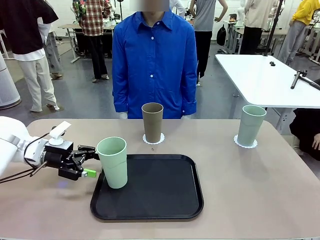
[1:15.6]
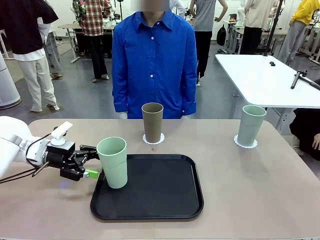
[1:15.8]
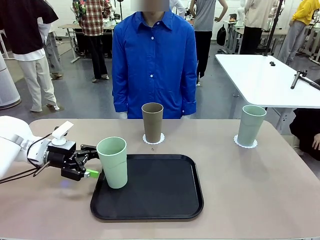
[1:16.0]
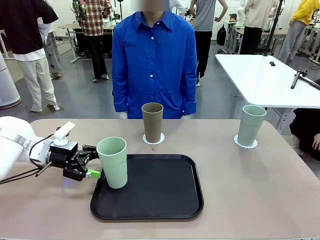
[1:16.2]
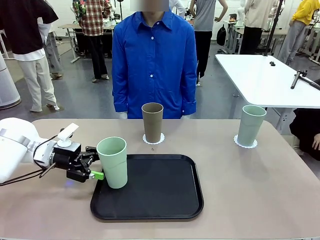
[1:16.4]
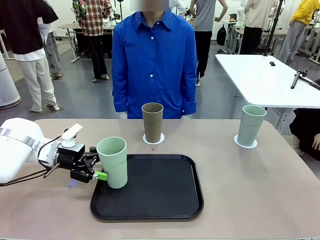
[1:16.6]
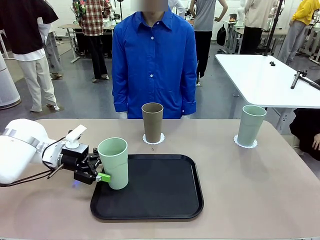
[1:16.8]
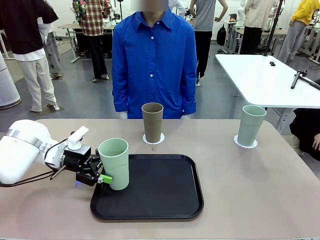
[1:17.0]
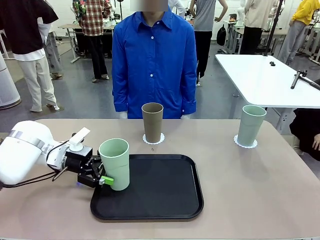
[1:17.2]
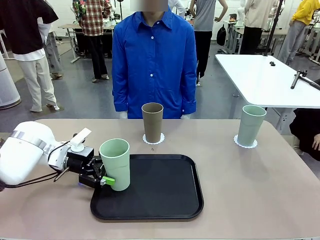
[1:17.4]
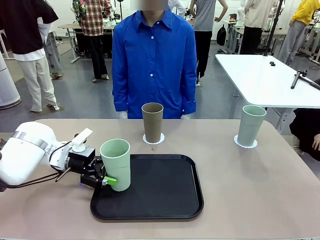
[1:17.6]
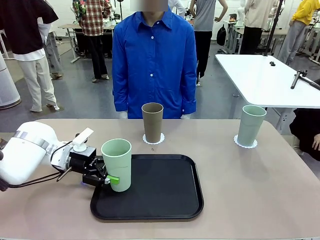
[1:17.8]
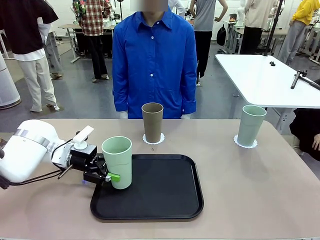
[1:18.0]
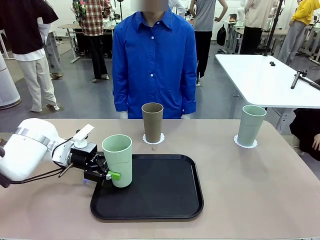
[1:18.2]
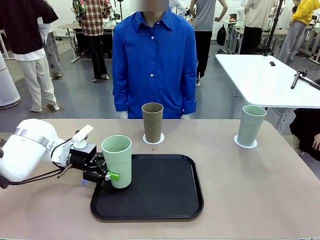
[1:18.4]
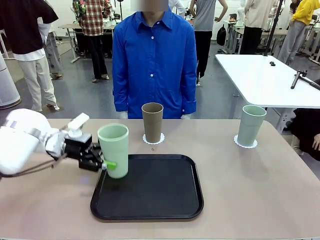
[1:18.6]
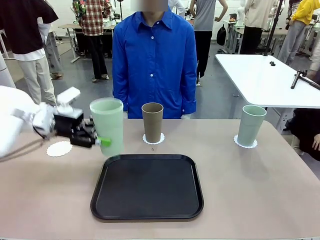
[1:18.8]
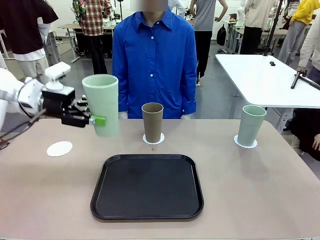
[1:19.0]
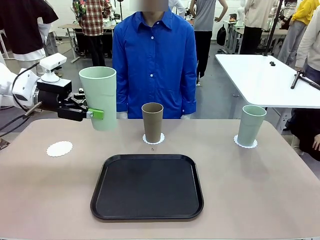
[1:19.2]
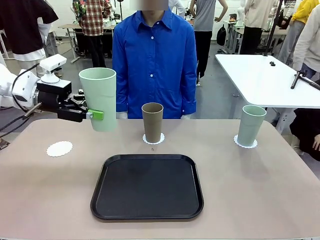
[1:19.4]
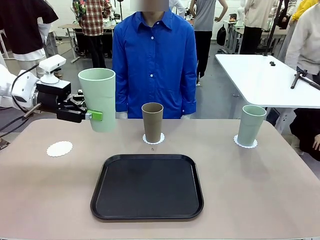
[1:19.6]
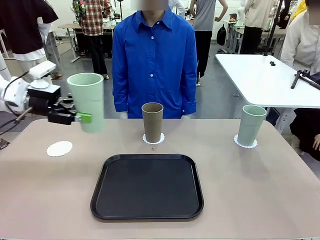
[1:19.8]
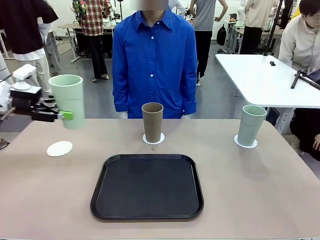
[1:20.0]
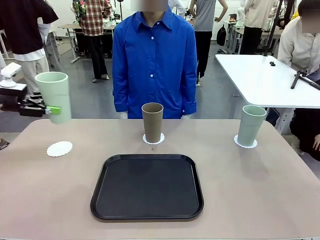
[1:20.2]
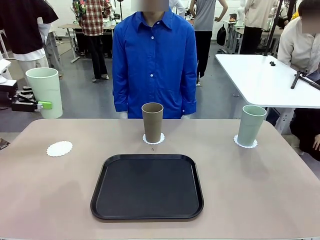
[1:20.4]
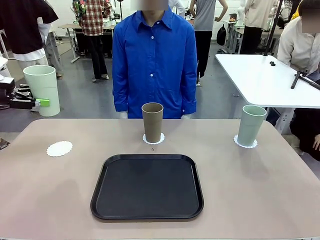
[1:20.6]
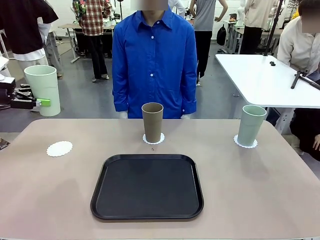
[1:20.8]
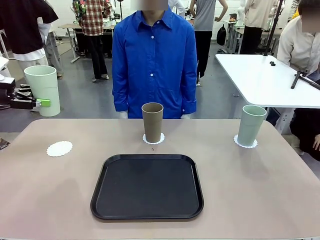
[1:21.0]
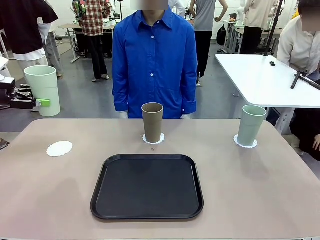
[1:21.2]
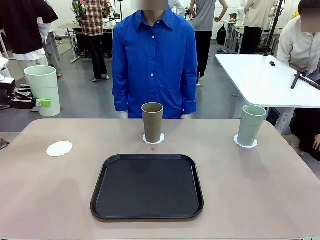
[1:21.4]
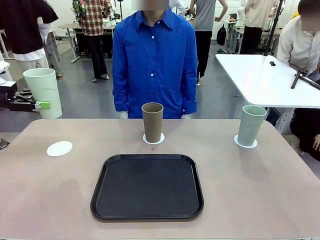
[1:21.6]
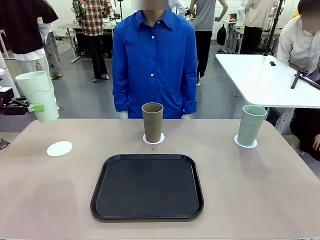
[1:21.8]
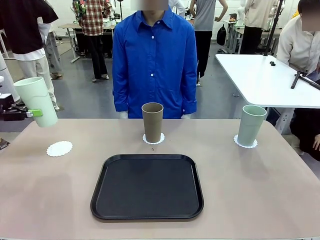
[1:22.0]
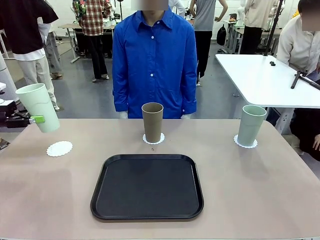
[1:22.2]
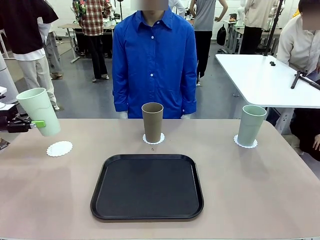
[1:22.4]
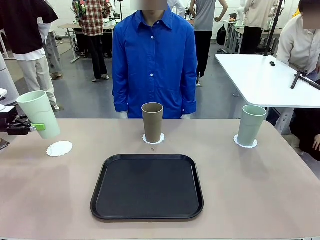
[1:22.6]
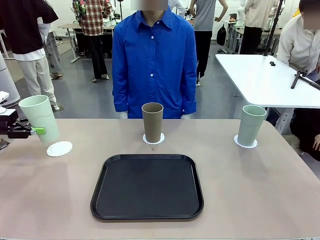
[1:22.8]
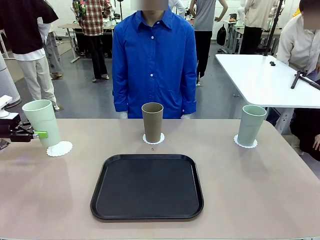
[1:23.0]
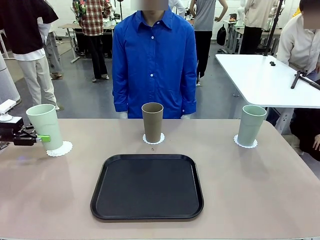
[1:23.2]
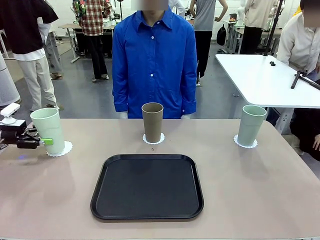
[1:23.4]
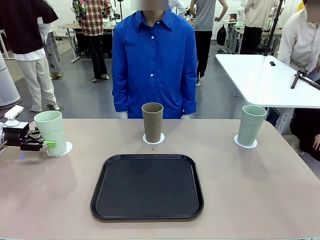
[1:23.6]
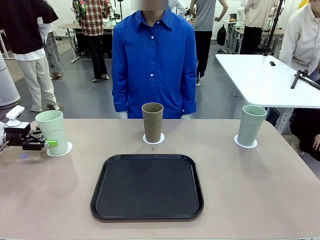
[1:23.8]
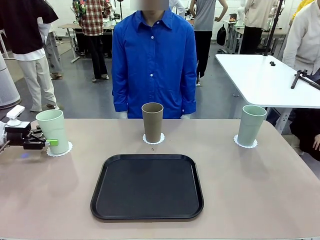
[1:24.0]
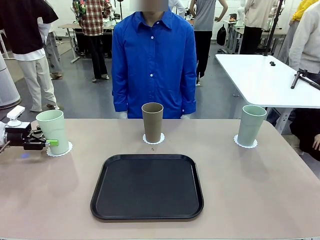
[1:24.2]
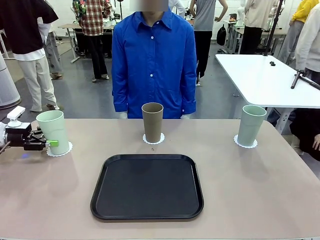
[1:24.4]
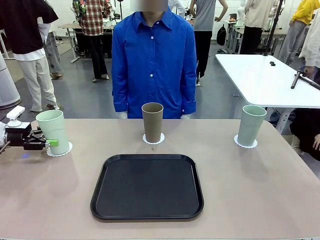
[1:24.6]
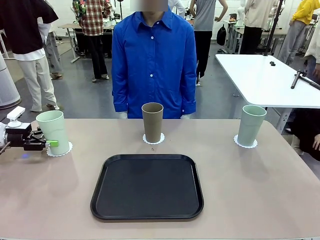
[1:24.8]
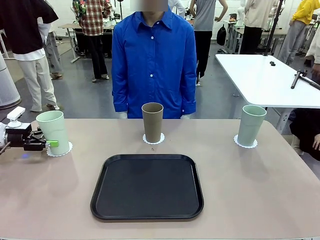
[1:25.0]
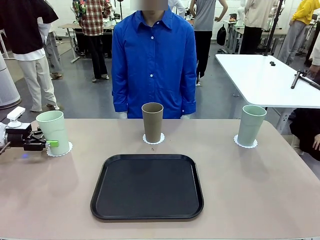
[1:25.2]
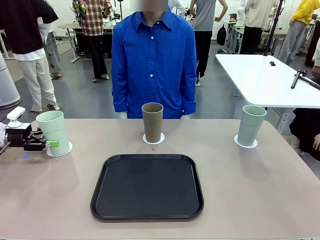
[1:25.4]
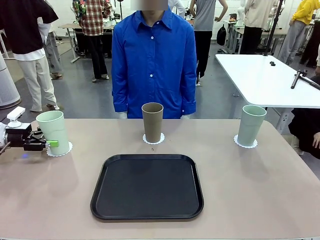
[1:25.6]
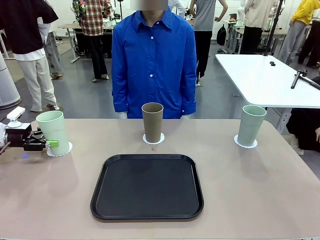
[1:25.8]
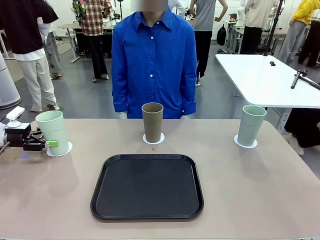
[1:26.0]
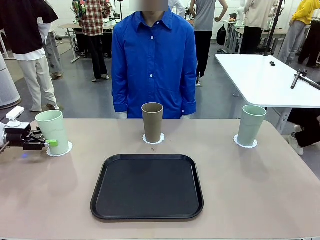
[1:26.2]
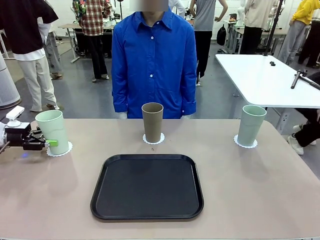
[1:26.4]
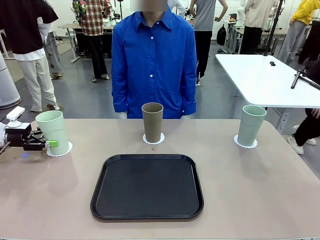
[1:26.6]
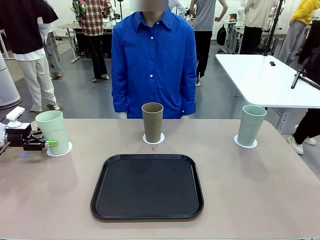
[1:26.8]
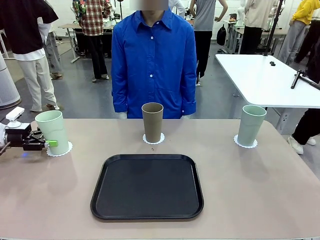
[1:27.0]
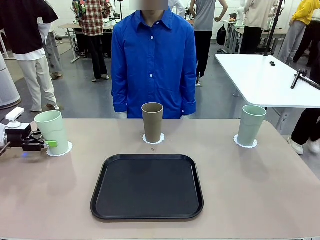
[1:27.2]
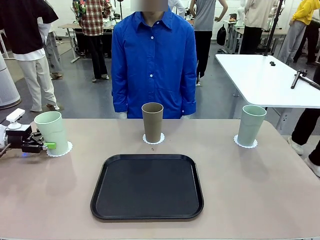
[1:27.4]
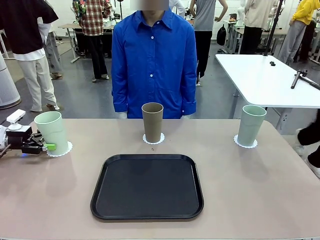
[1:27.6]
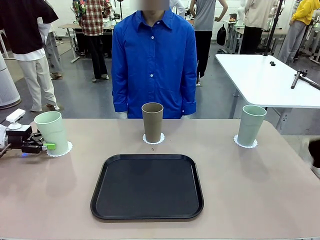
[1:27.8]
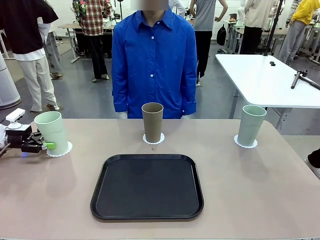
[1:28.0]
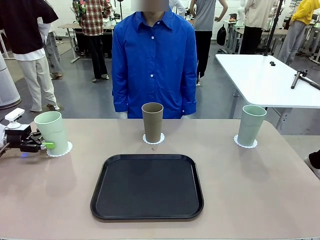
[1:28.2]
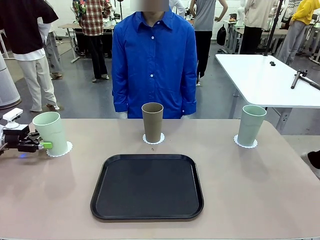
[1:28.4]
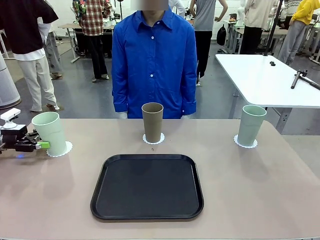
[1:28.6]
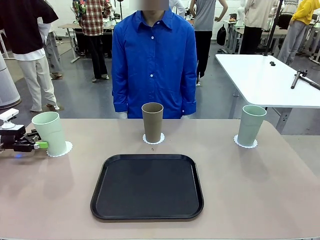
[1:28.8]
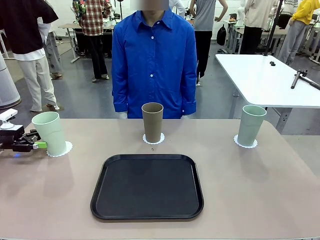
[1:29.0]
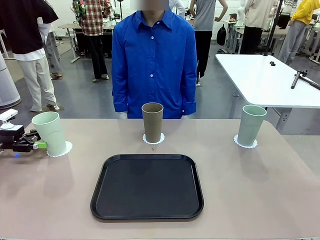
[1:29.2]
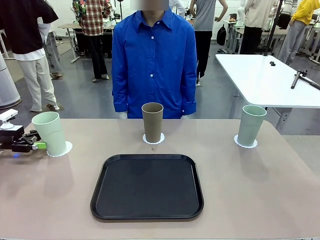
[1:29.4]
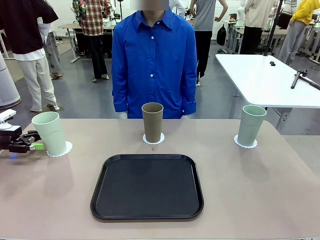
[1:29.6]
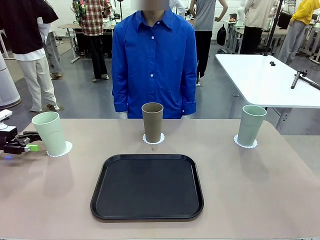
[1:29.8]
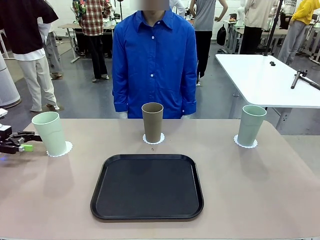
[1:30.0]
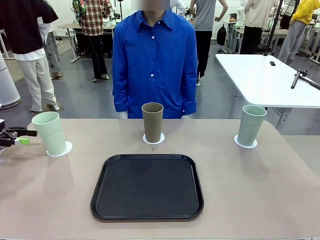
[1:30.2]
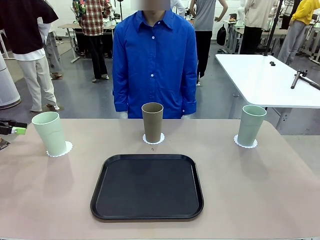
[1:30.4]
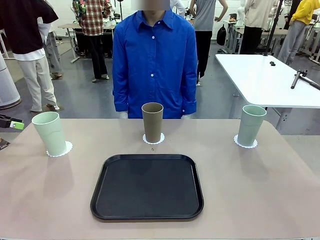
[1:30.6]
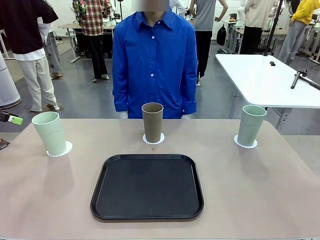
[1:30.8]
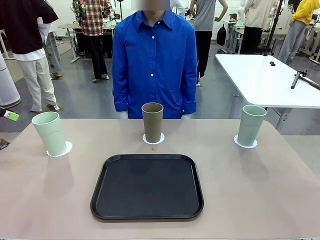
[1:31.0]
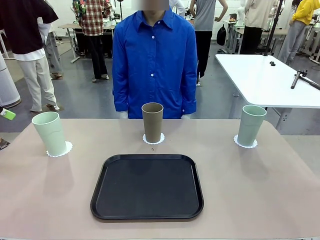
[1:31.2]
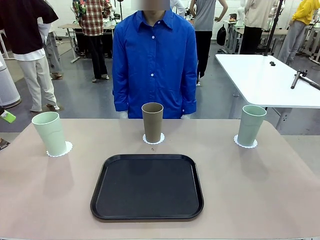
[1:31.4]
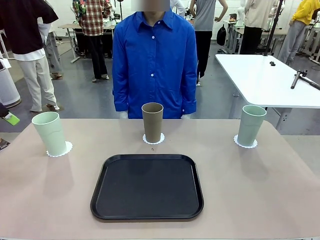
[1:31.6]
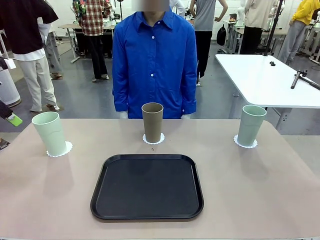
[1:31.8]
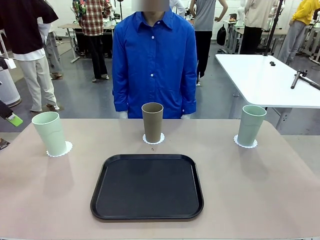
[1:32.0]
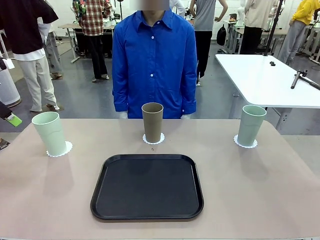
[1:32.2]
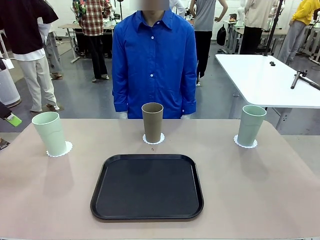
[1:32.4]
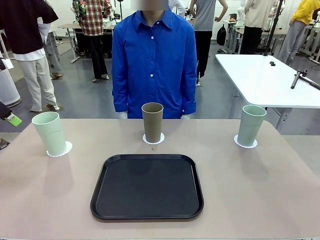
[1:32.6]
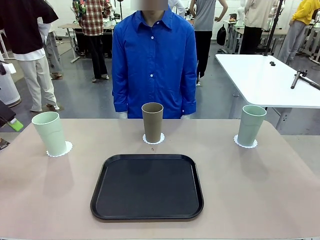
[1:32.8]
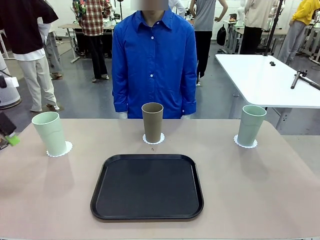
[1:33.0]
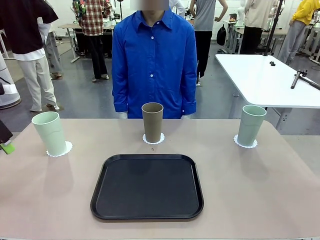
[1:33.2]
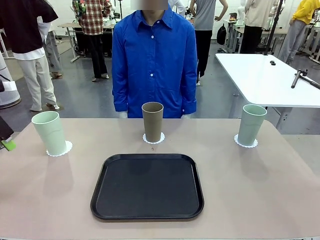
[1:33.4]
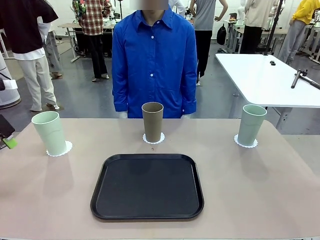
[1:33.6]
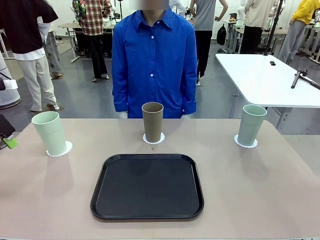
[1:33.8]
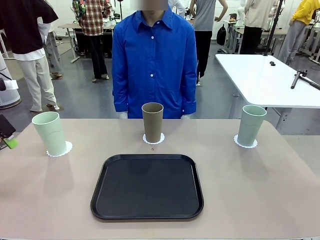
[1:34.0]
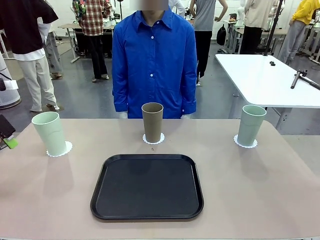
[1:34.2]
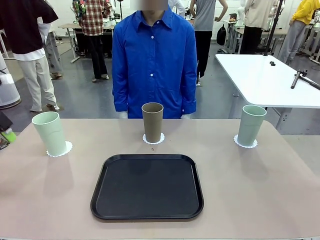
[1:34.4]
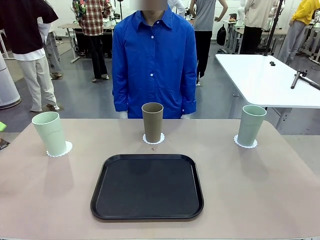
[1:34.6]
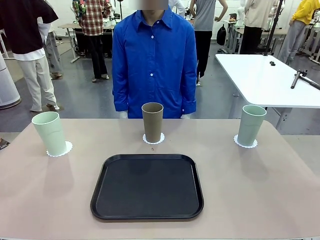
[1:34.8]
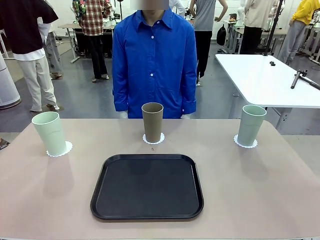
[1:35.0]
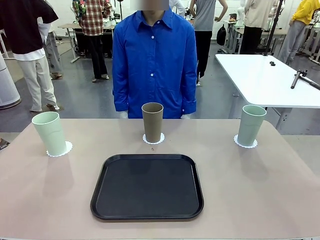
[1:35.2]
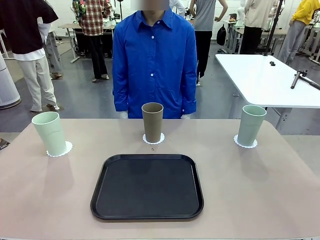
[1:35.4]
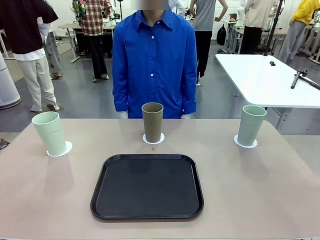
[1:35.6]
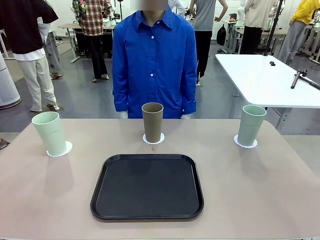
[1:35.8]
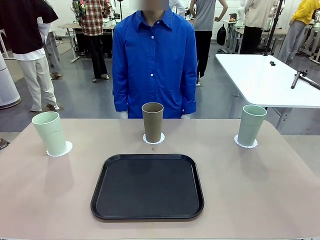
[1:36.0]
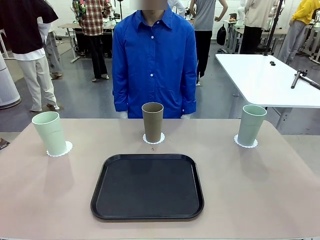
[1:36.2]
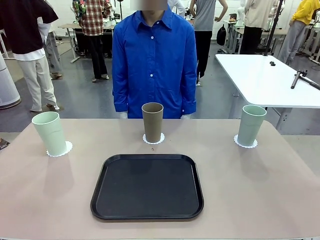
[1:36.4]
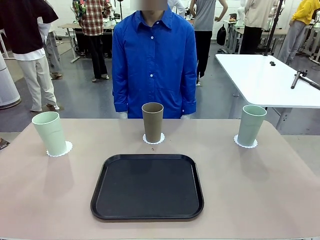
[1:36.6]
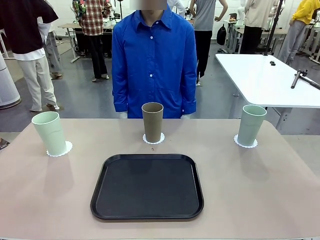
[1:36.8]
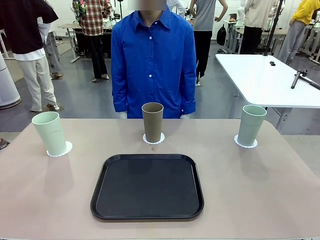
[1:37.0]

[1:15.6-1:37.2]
Task: Place coasters on the table and set cups on them.
Robot: Take one Reusable plastic cup from the Flat Tray and place it on a coaster set by the human.
